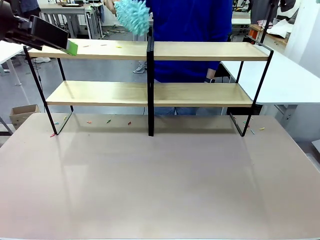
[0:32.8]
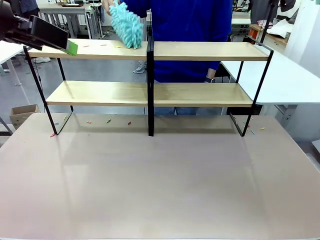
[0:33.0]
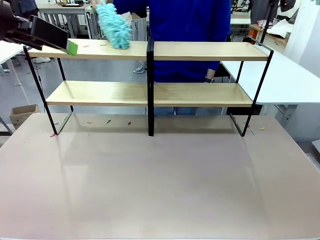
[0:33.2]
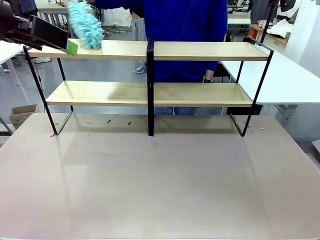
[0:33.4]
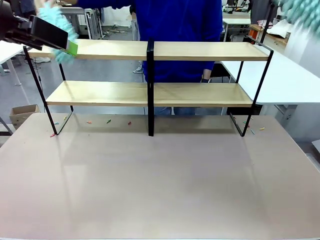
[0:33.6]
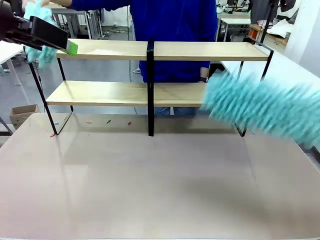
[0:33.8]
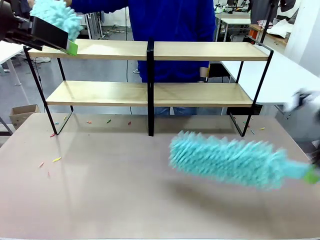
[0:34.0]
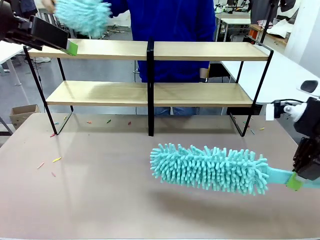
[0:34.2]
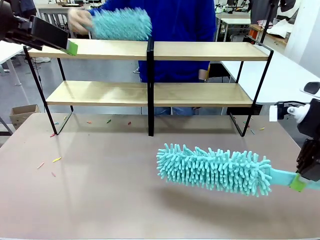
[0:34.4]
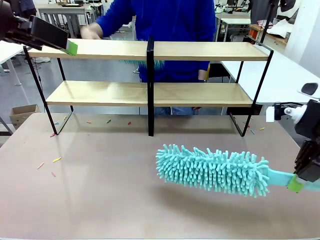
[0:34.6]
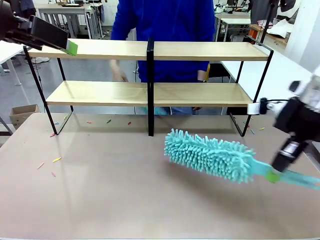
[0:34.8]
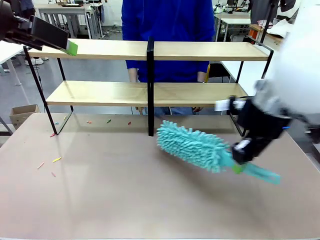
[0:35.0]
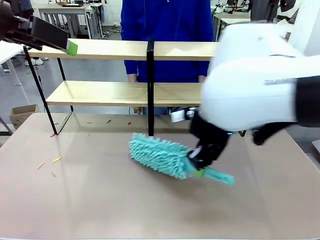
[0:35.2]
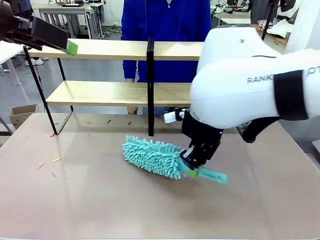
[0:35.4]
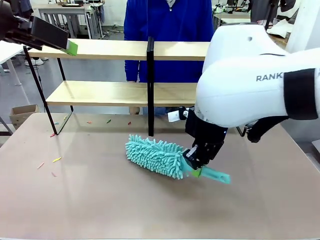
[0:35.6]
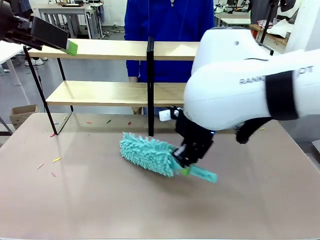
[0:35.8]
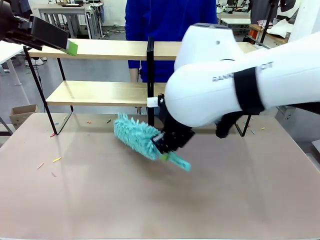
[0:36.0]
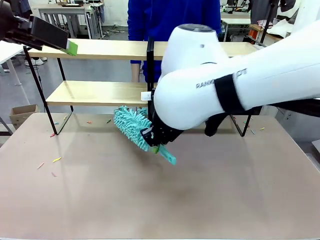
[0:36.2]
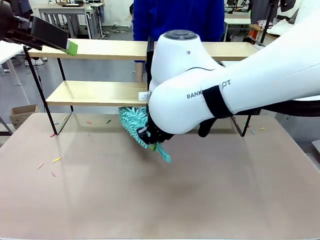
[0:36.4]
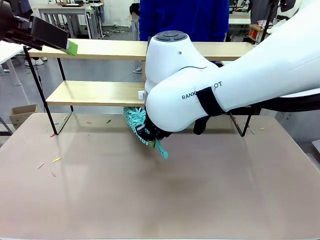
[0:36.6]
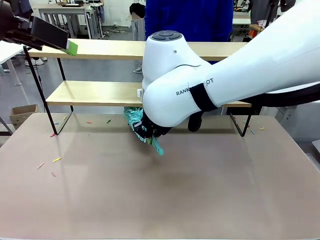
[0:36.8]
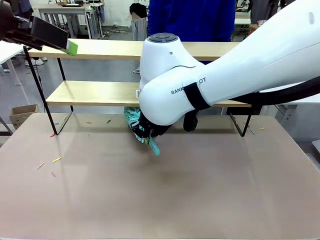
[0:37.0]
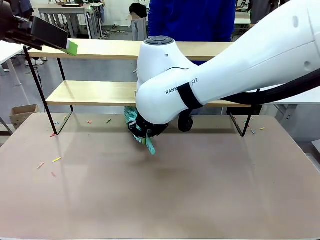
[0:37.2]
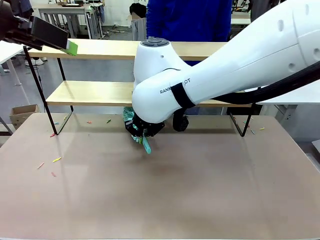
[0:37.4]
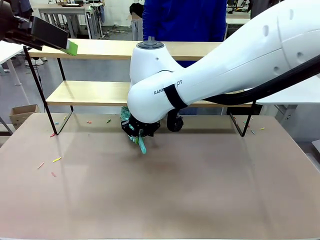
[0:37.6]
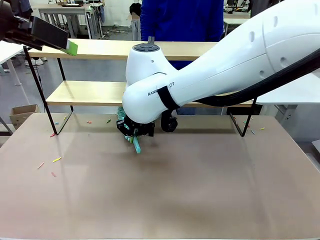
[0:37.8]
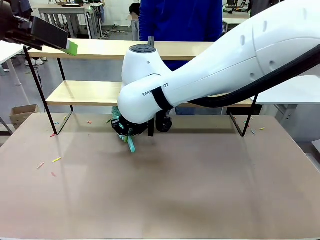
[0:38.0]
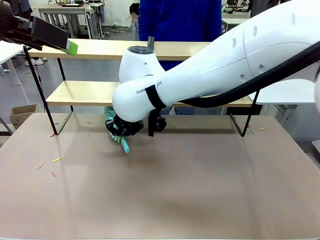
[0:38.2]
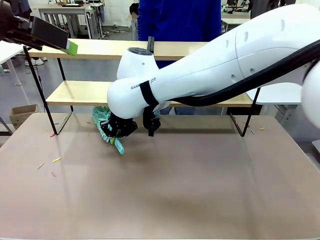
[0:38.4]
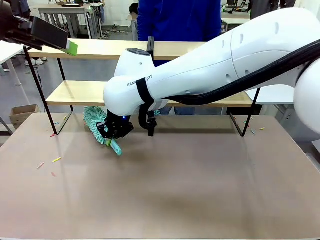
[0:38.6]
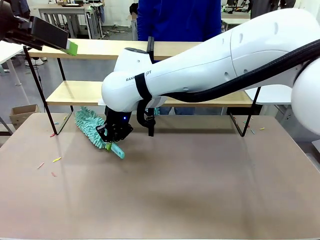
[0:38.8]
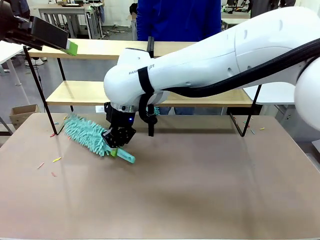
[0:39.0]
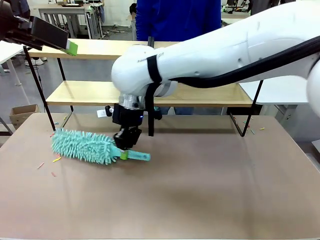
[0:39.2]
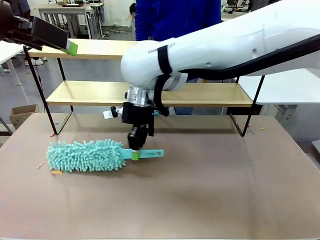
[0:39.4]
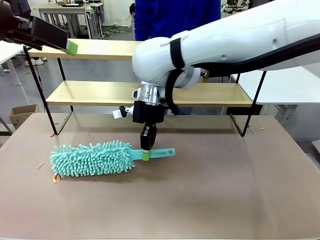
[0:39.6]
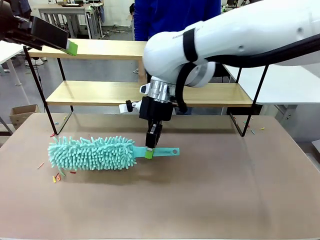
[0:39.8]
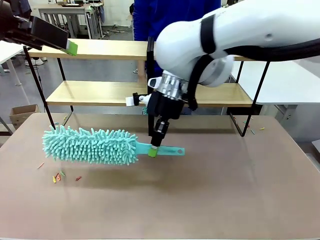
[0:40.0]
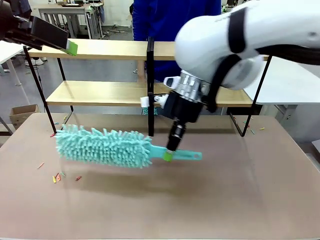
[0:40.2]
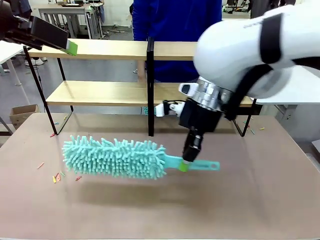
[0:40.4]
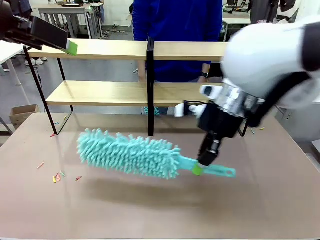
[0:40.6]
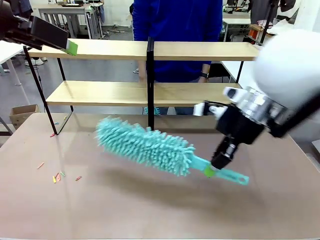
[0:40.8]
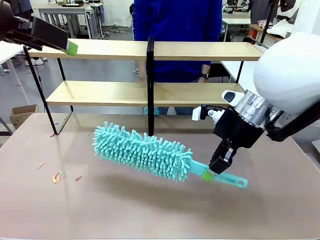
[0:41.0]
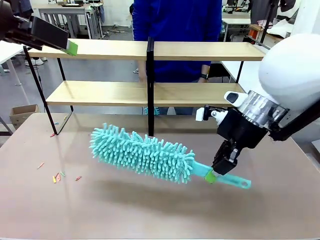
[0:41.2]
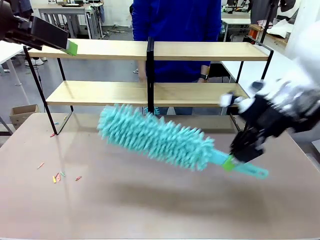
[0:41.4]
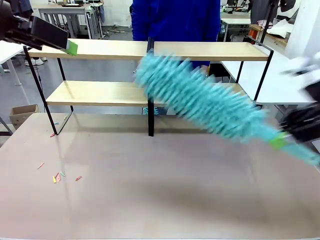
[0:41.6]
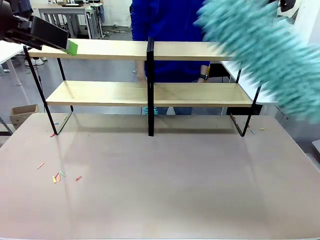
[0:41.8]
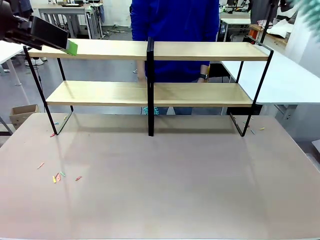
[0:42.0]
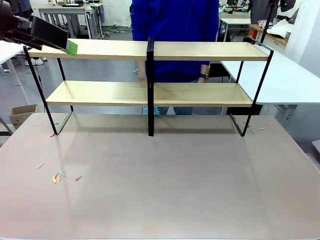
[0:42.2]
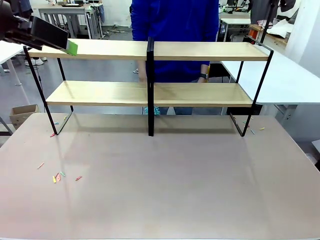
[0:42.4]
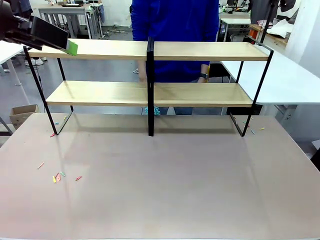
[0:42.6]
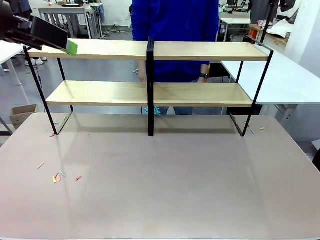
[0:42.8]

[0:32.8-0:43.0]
Task: Clean the shelves.
Robot: Clean another randomly selected level of the Shelf with the Duster.

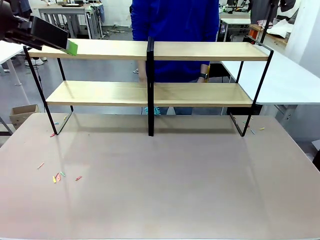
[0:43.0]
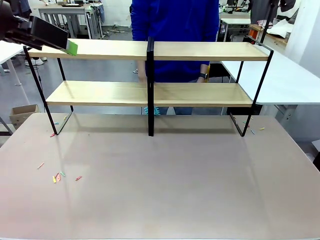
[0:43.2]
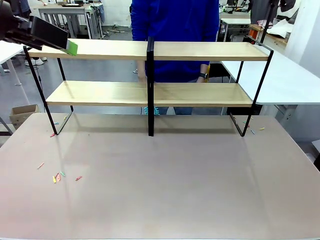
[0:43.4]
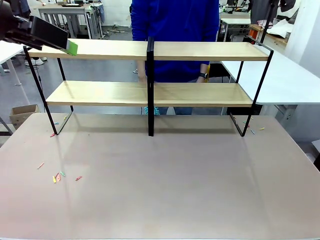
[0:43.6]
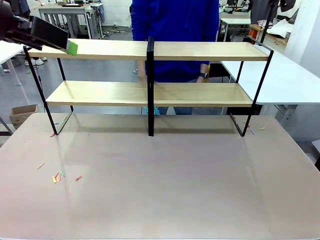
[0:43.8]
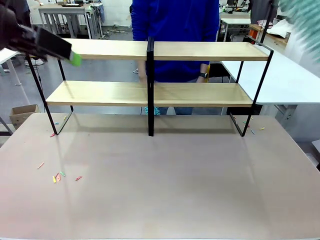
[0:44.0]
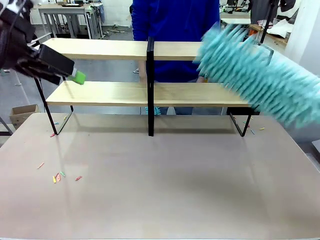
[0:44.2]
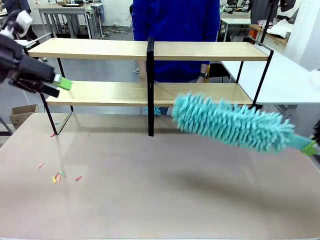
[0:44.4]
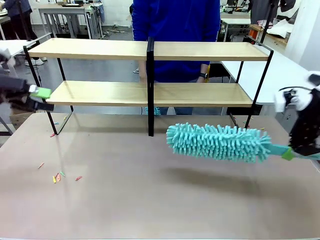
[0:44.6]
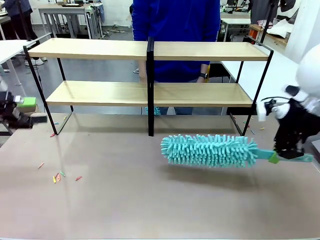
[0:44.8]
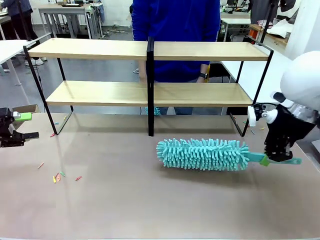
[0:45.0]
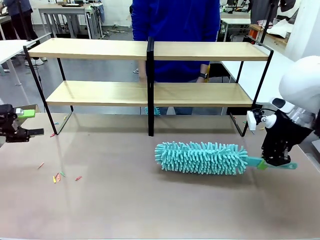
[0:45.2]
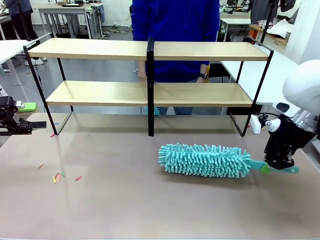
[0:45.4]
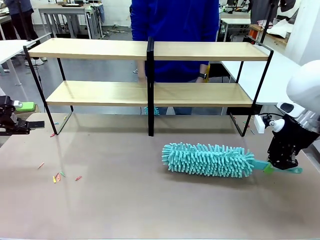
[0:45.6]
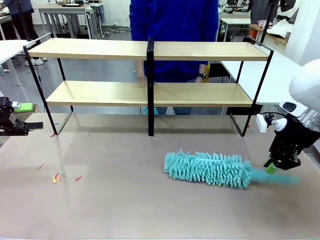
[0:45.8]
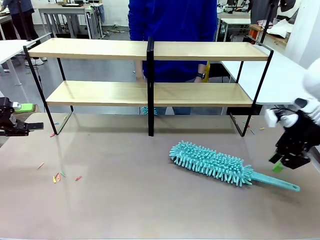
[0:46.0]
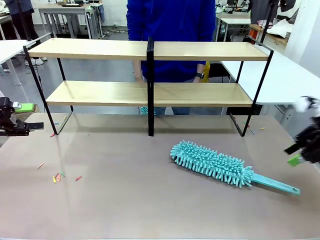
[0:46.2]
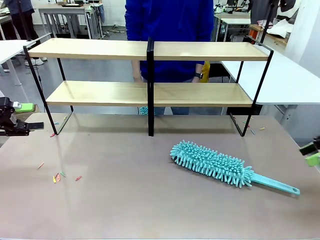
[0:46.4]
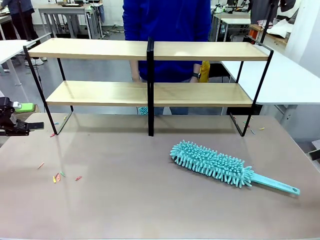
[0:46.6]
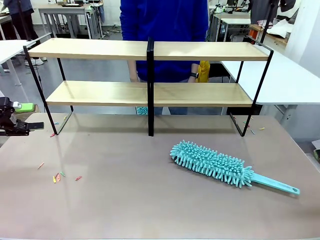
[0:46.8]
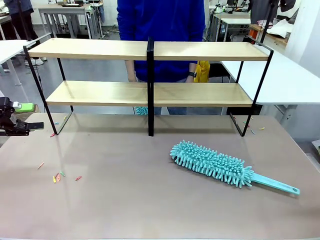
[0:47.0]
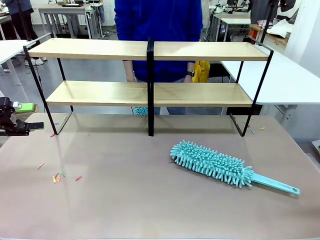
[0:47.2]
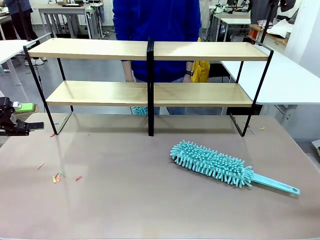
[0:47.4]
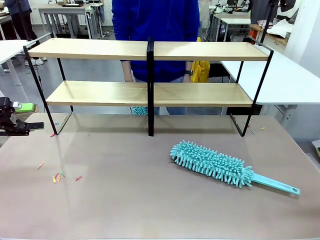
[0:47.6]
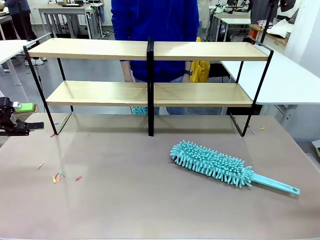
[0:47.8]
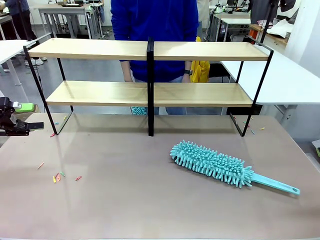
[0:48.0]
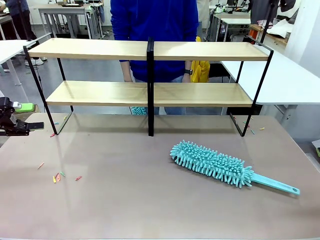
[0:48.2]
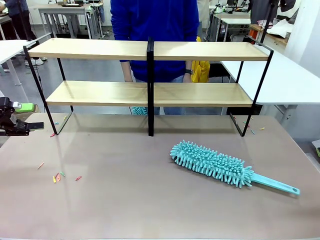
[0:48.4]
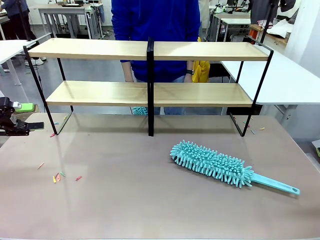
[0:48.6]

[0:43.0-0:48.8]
Robot: Place the Duster on the table.
